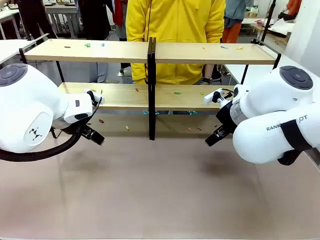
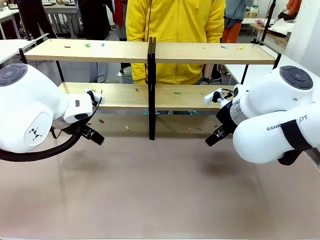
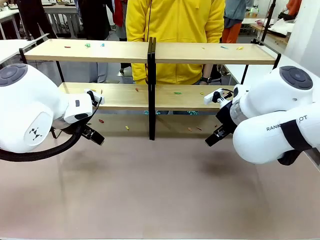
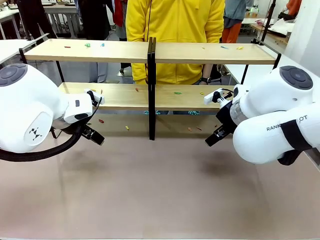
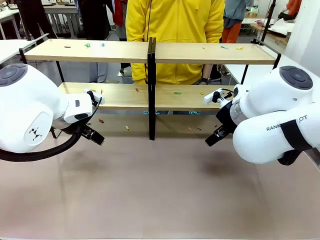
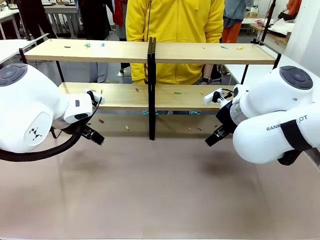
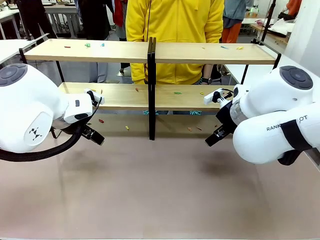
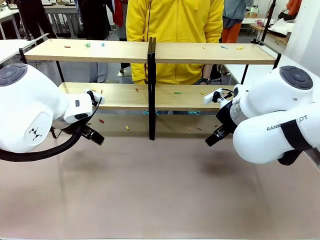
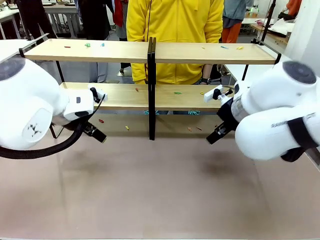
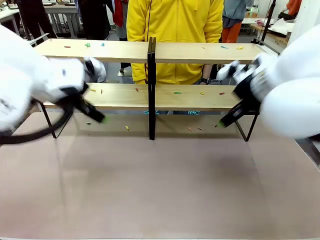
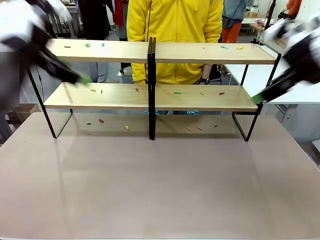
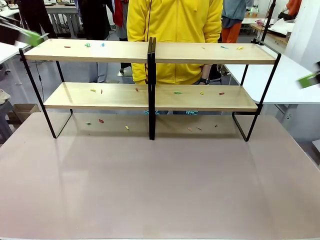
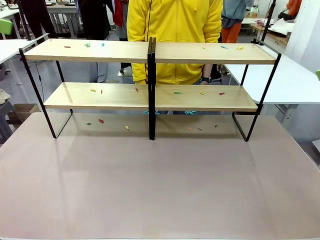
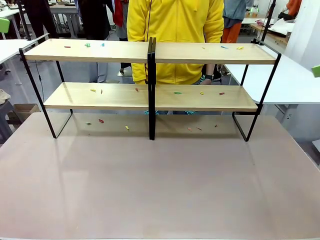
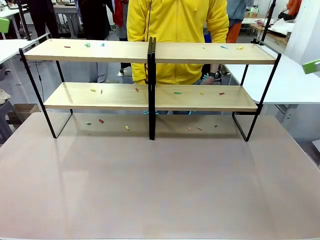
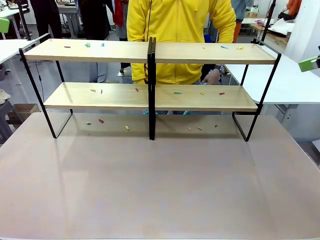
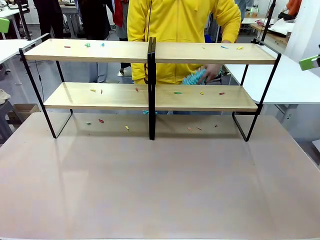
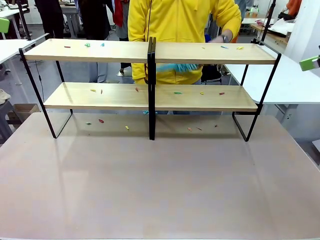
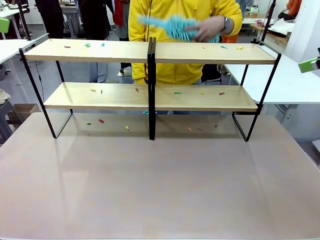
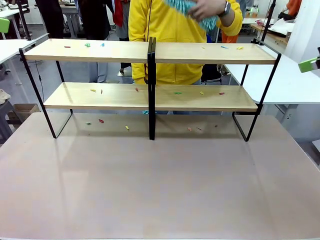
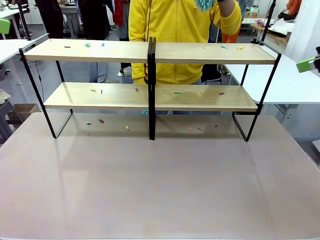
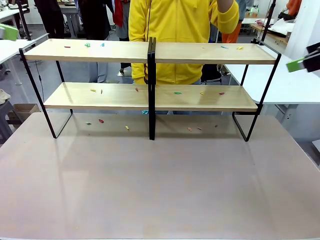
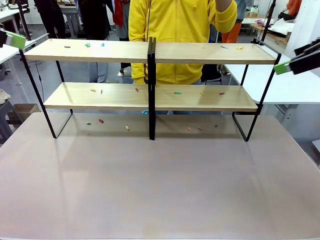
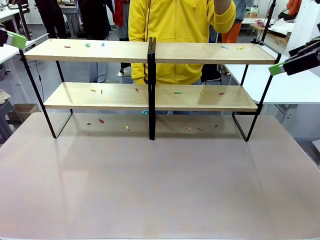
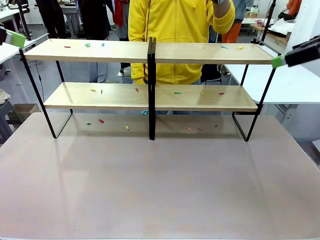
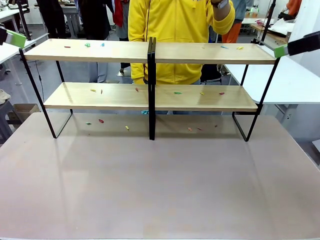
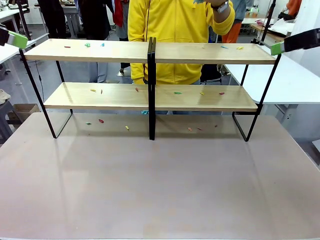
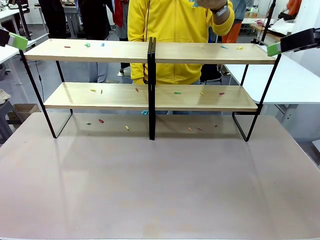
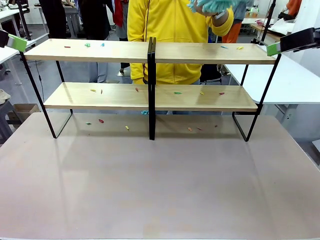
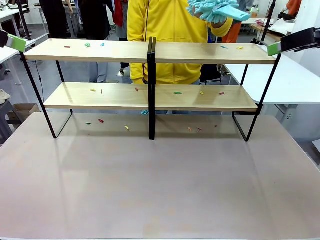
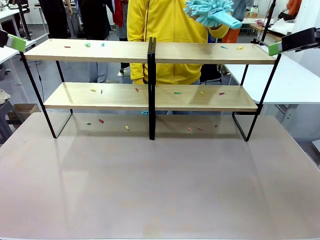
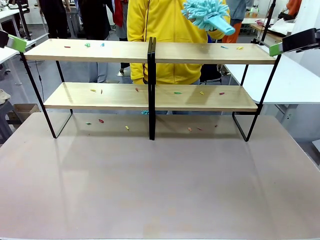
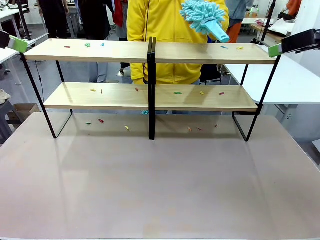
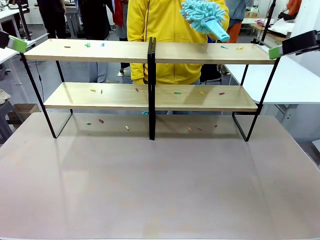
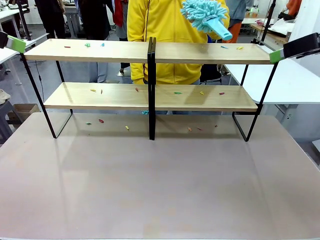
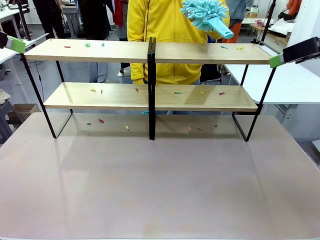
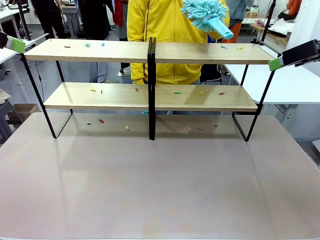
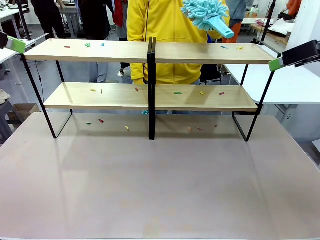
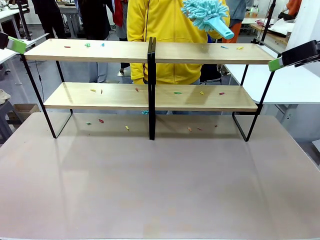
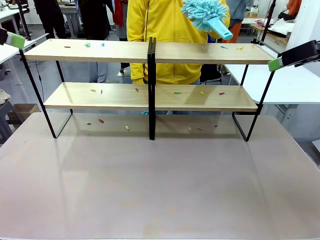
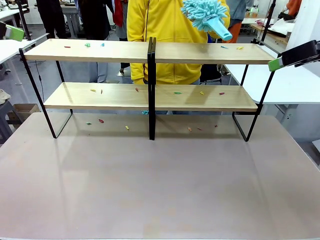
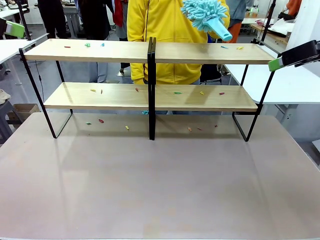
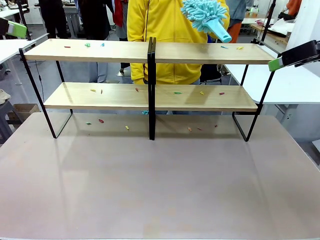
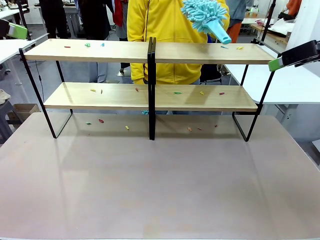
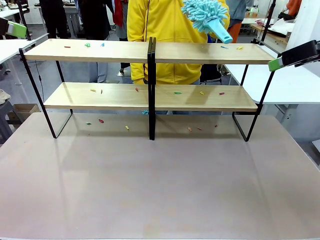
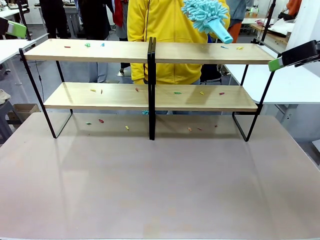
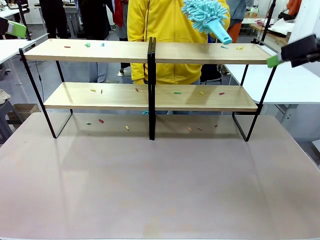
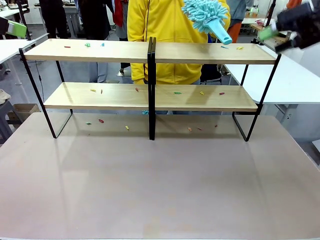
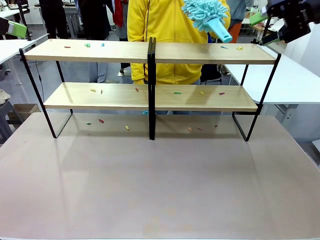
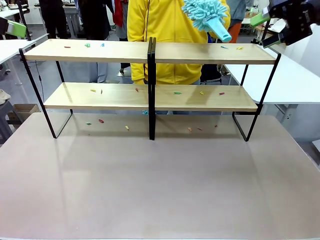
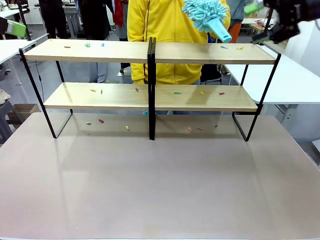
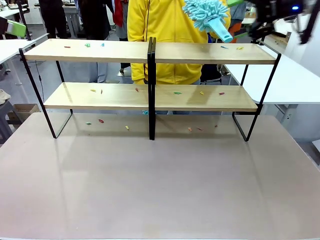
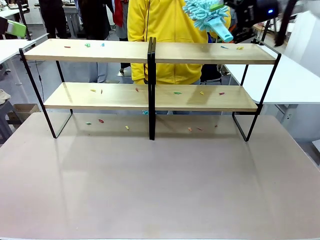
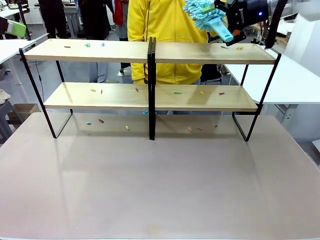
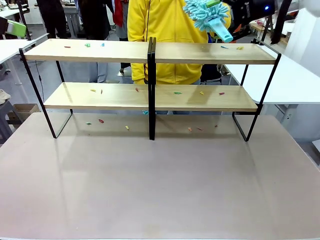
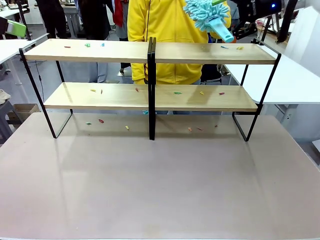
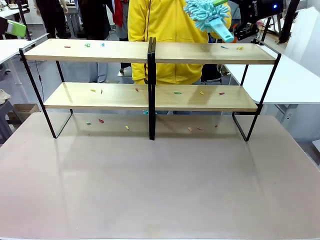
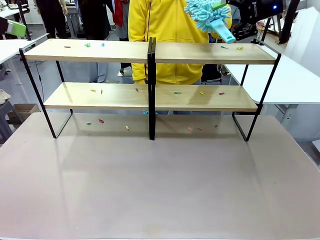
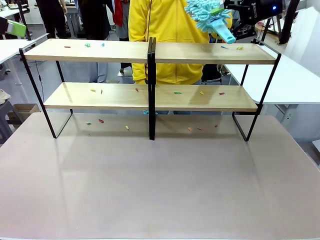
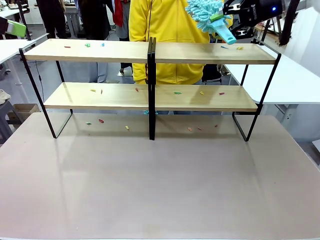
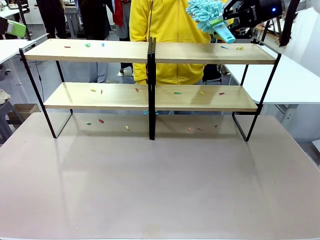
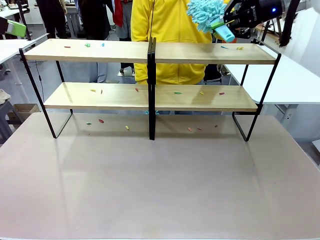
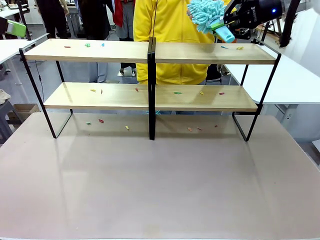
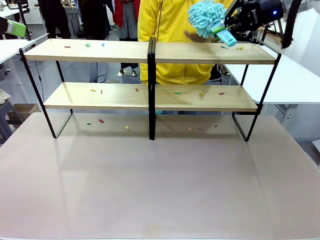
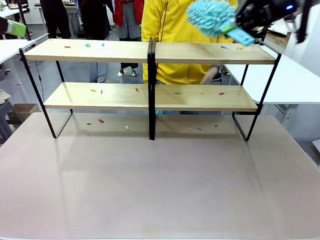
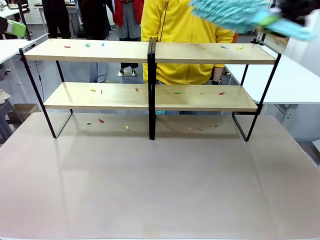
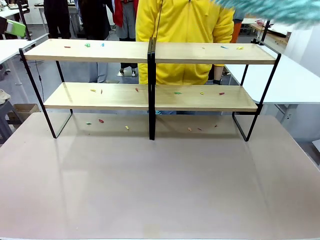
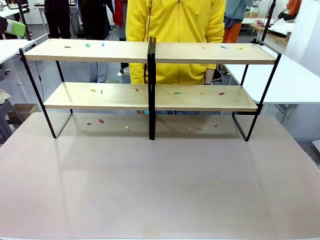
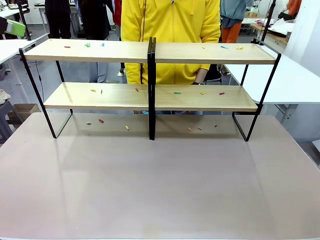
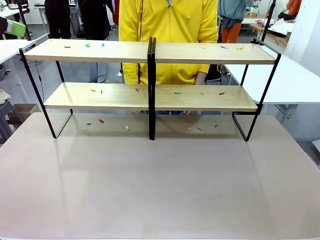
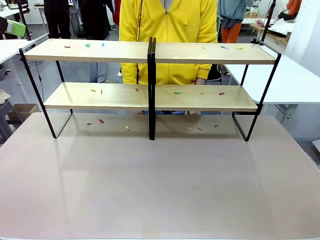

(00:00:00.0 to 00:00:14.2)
Task: Clean the shelves.
Robot: Pick up the Duster when the human hands it over.
Person: Hand the Duster to the robot with your right (or left) hand.
